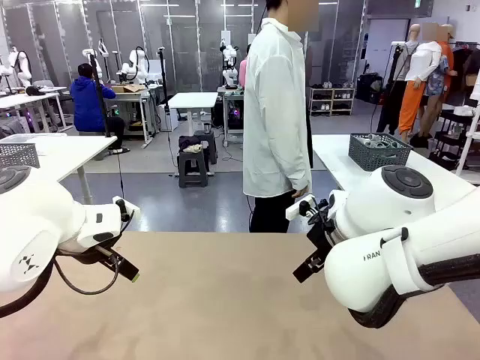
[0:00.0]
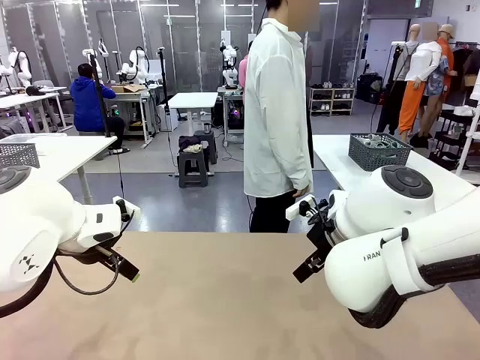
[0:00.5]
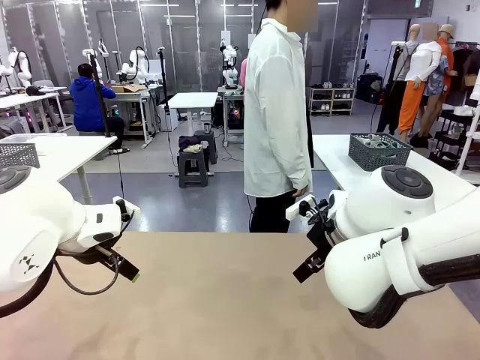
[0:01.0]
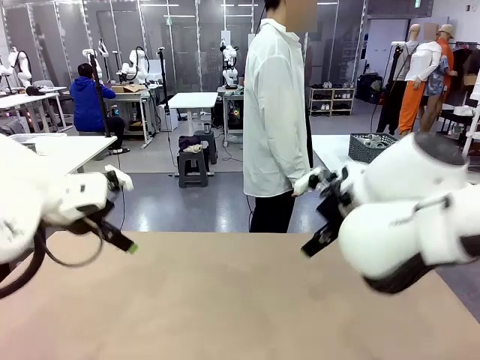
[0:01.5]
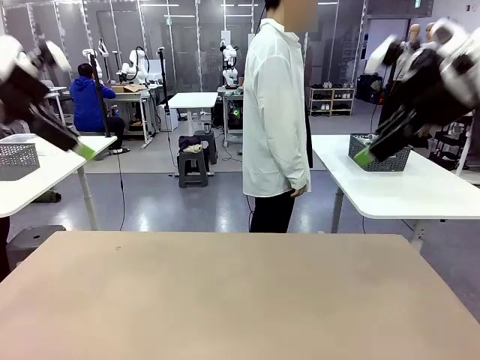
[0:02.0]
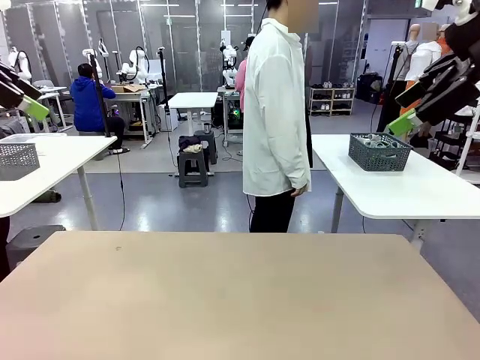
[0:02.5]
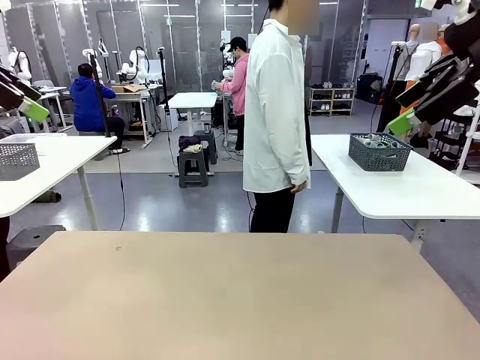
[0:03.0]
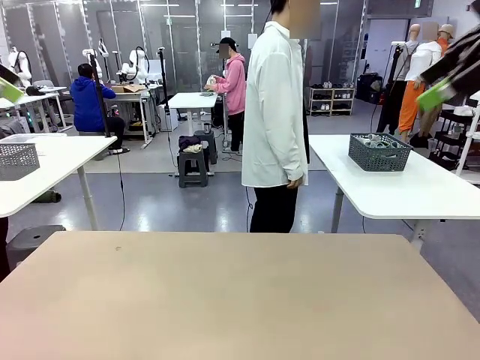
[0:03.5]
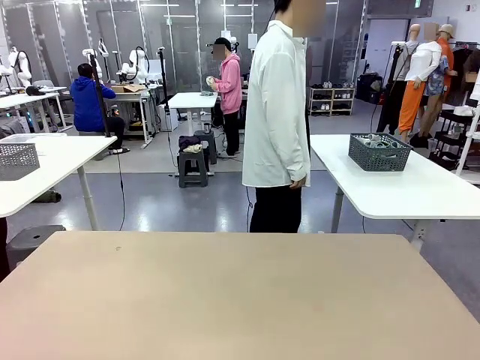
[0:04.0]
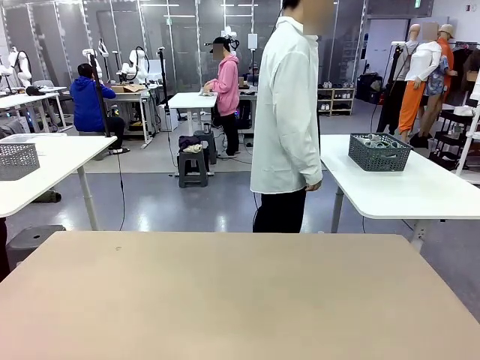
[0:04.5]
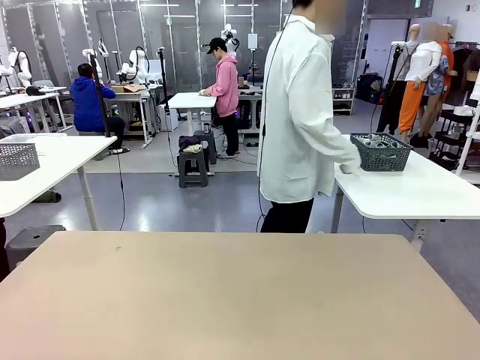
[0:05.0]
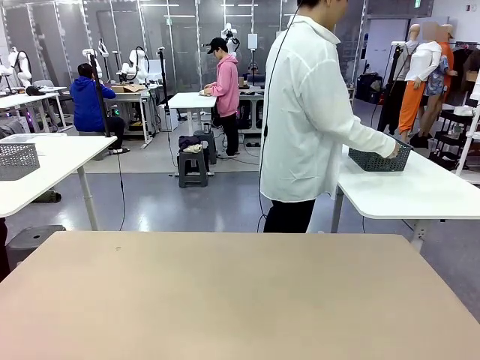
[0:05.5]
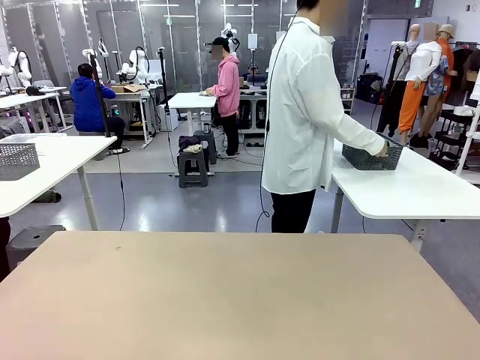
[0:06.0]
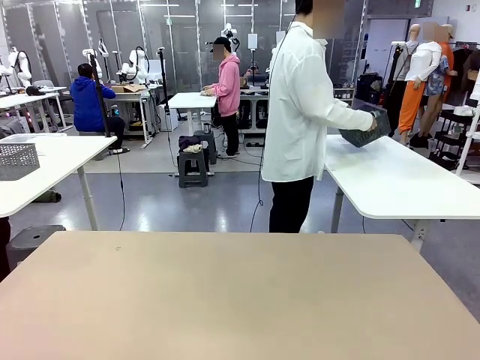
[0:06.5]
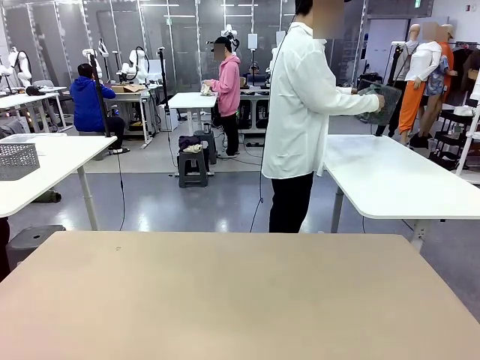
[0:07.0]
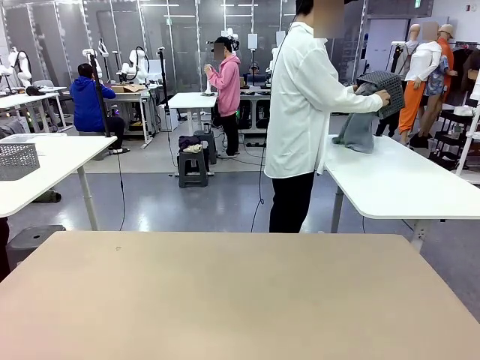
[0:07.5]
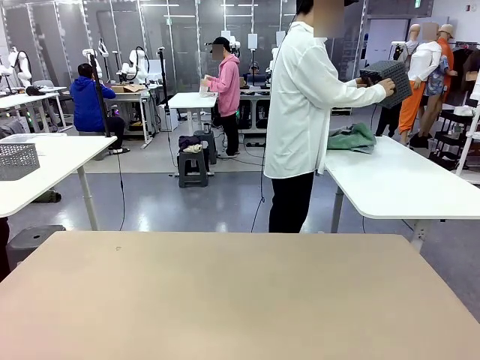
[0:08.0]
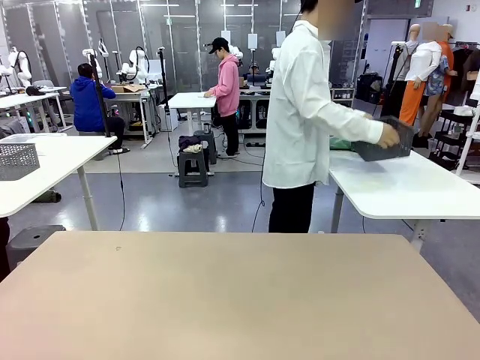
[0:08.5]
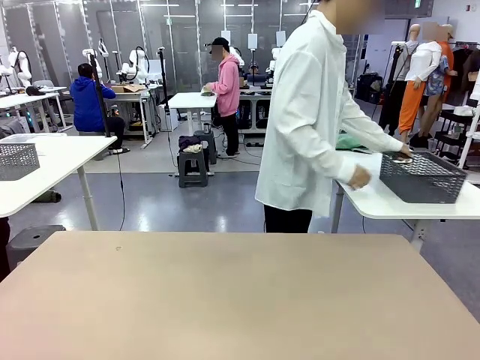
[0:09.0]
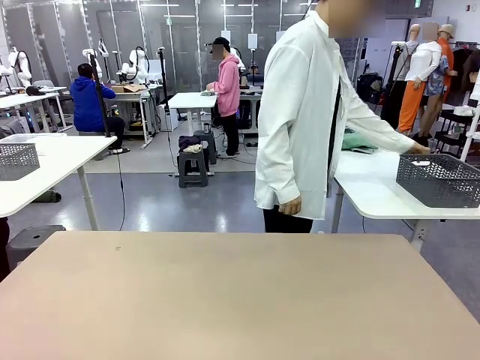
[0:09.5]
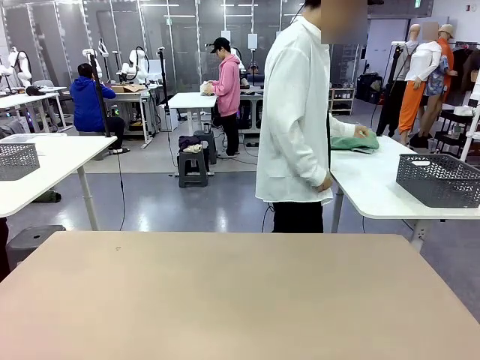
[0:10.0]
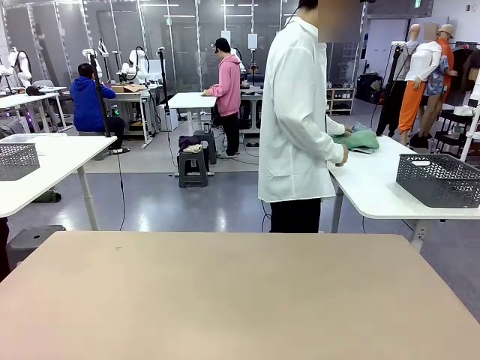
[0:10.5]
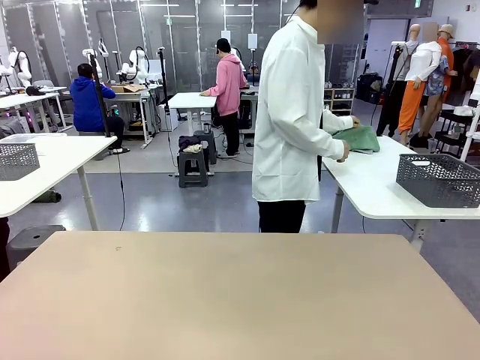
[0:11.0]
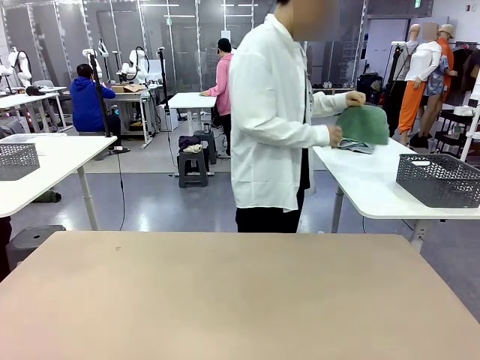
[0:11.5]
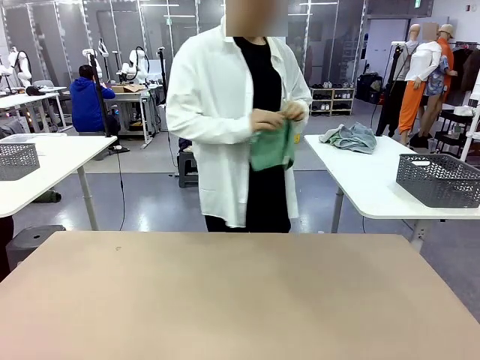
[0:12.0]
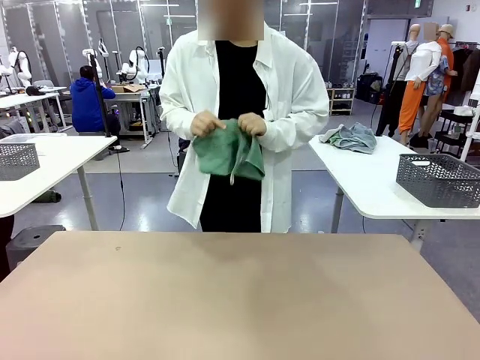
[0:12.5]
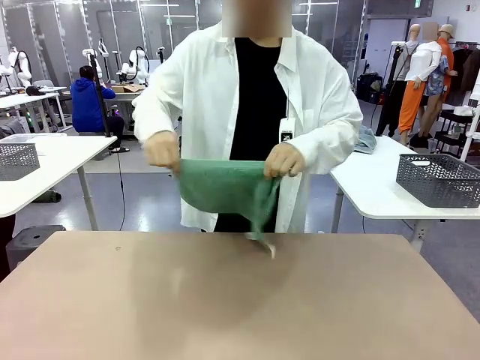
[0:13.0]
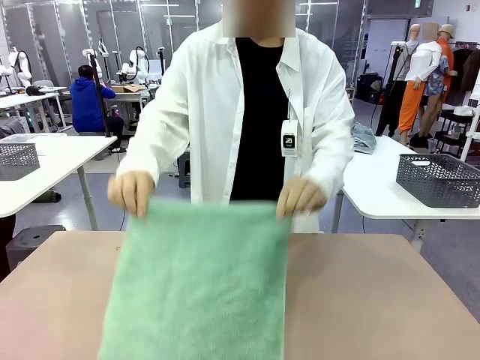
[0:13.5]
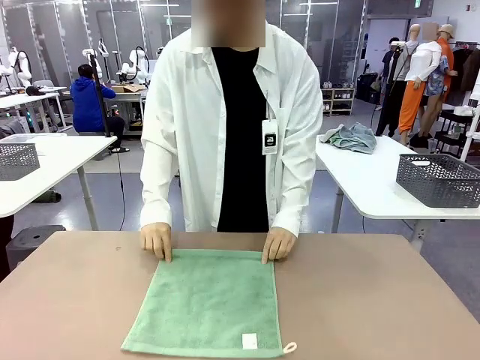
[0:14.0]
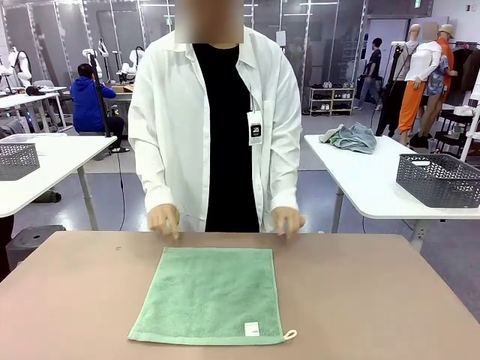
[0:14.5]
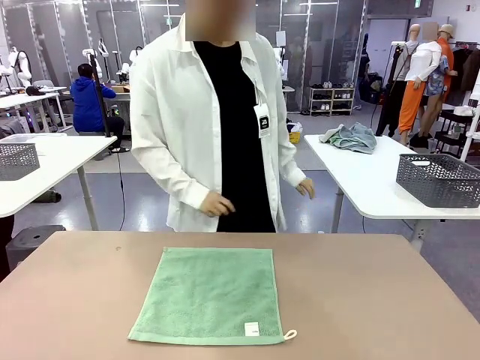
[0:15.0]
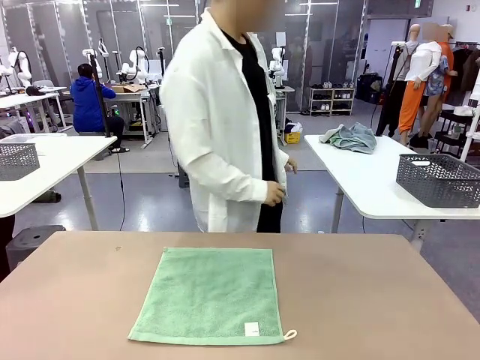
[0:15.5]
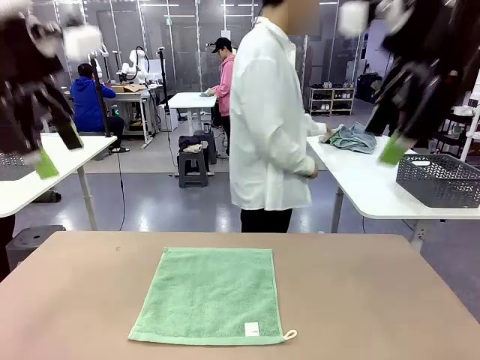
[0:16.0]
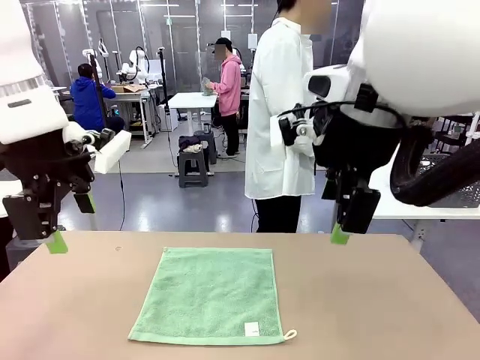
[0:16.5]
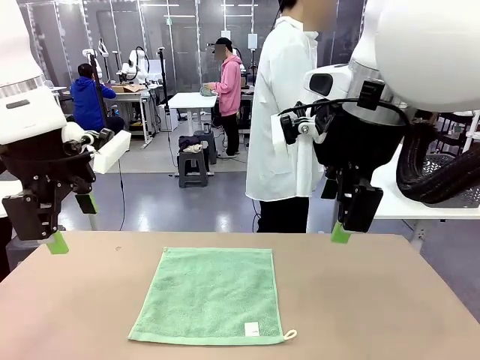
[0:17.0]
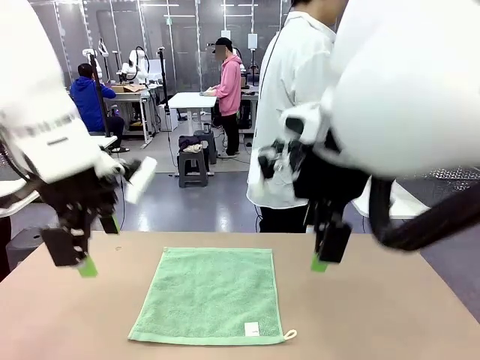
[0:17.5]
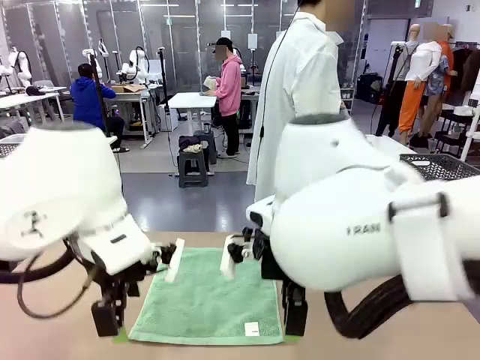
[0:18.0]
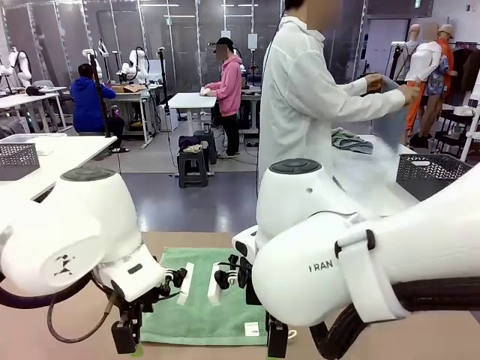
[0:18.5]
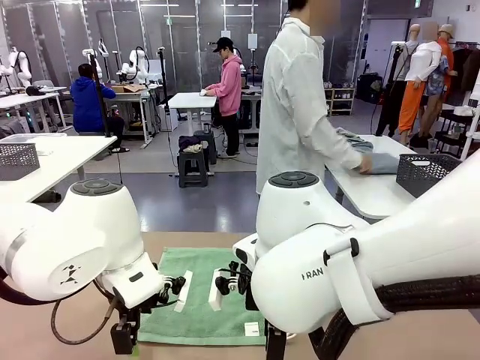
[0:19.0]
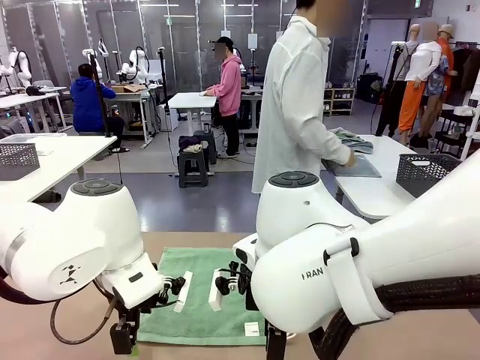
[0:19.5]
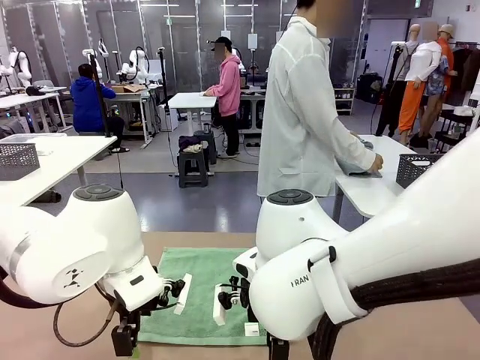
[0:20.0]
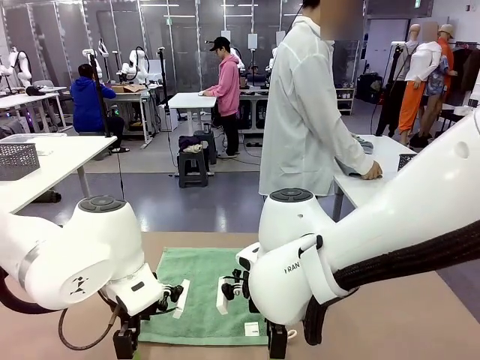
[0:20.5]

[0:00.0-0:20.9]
Task: Fold the towels and place them in the basket.
Robot: When a person lays out a Towel with hook on the table, fold it in half twice.
Person: Pick up the basket, pour the towels onto the left side of the human table, and place the basket on the right side. Pick up one towel and spread it out at the center of the robot table.
